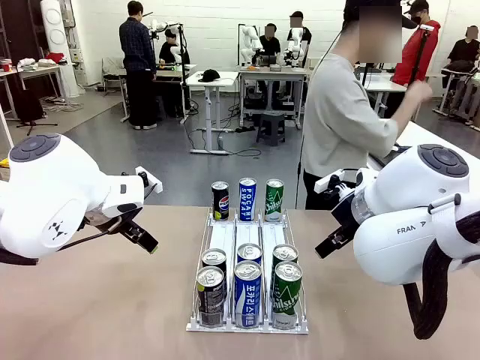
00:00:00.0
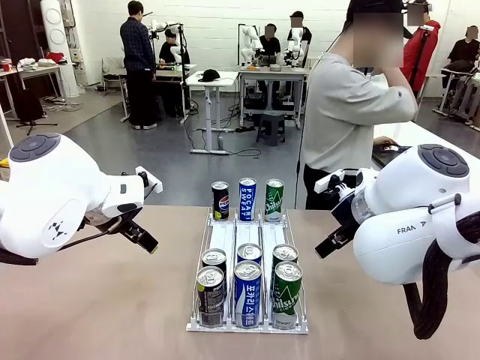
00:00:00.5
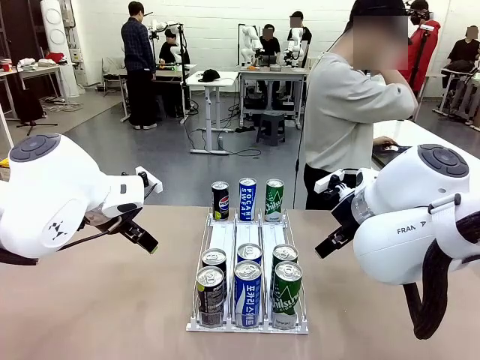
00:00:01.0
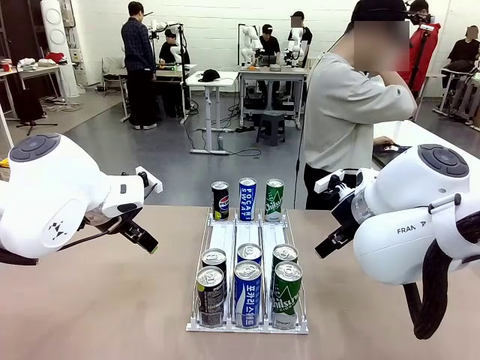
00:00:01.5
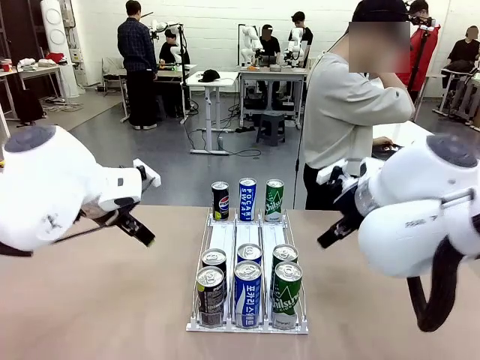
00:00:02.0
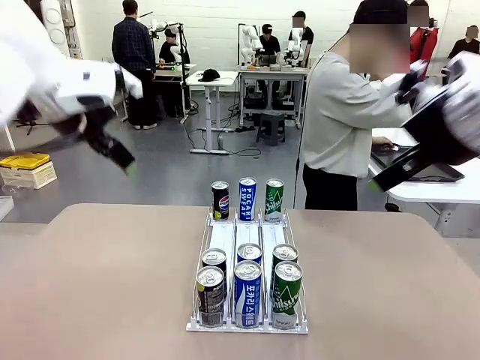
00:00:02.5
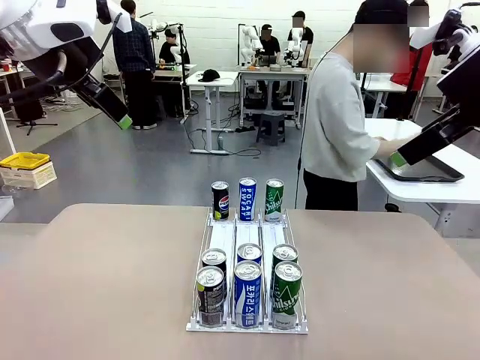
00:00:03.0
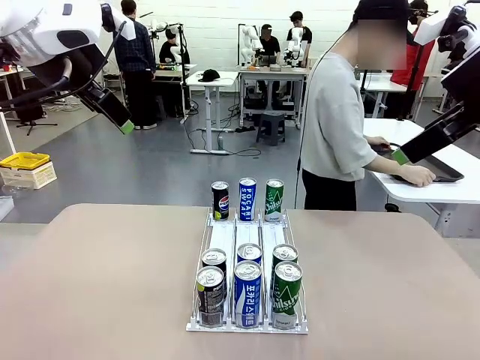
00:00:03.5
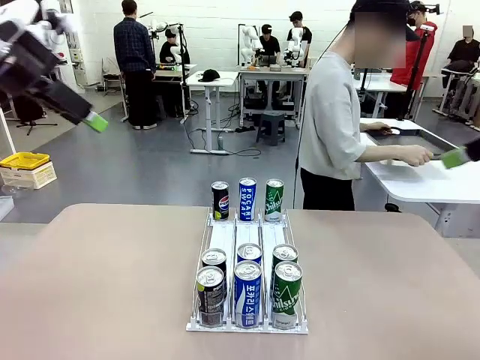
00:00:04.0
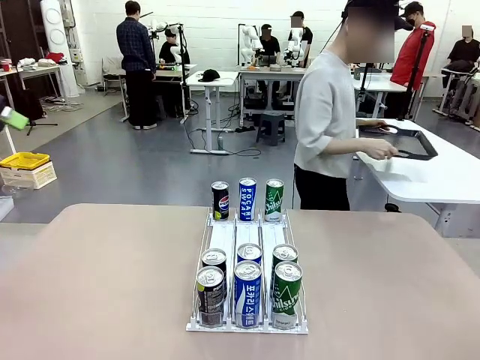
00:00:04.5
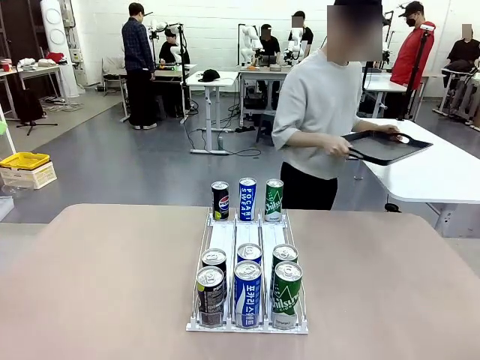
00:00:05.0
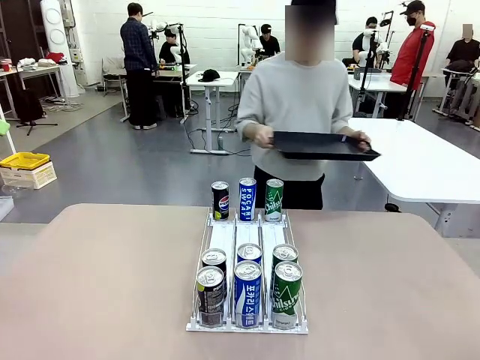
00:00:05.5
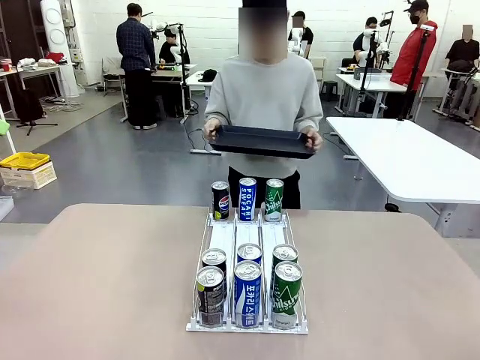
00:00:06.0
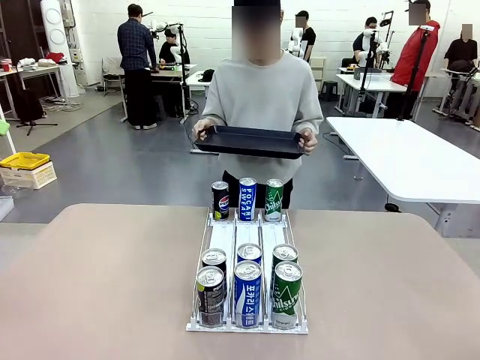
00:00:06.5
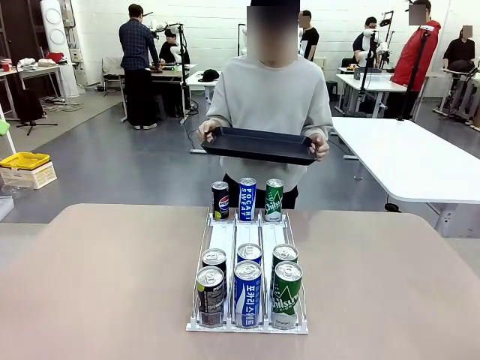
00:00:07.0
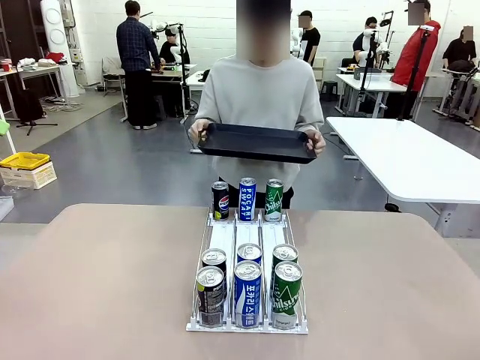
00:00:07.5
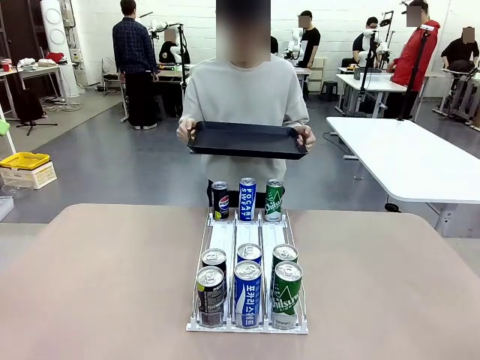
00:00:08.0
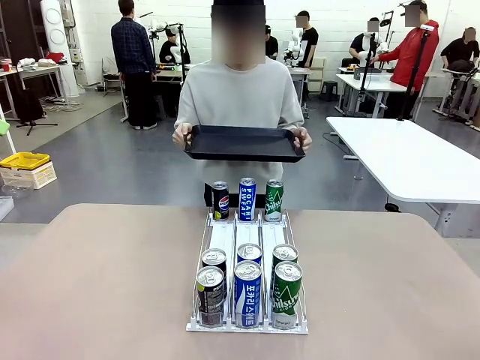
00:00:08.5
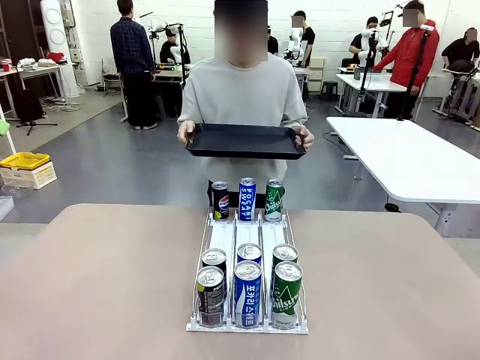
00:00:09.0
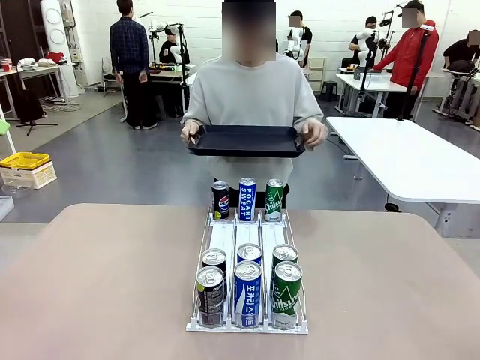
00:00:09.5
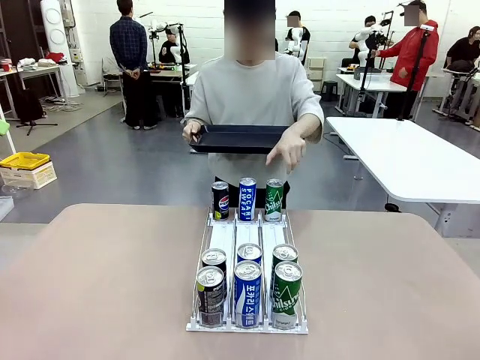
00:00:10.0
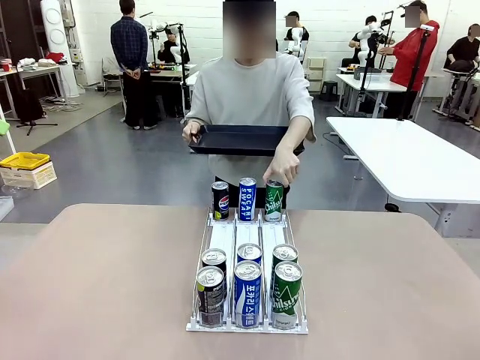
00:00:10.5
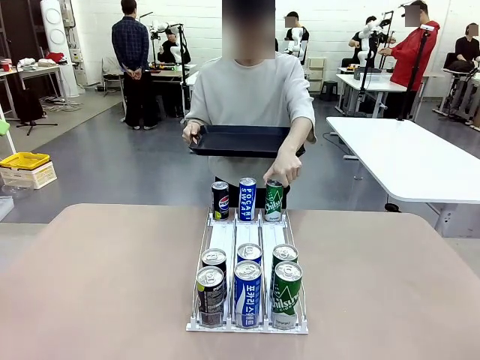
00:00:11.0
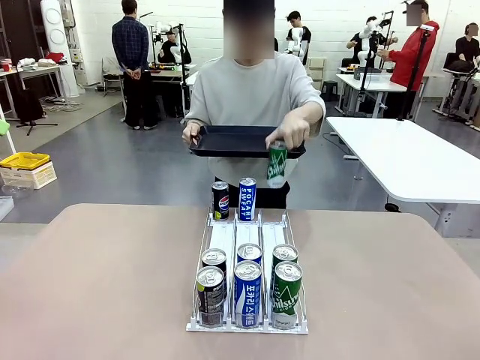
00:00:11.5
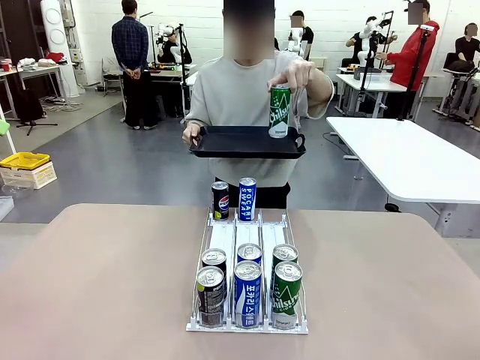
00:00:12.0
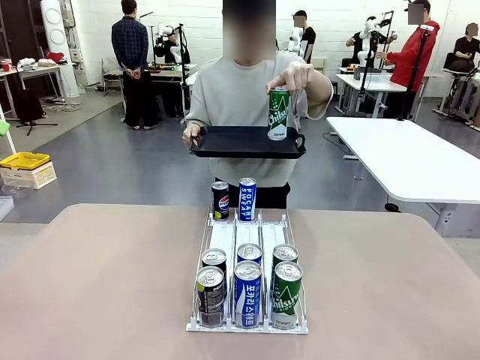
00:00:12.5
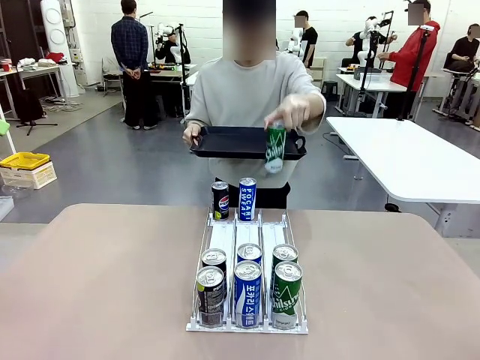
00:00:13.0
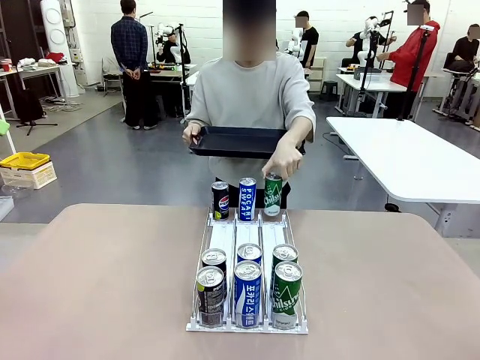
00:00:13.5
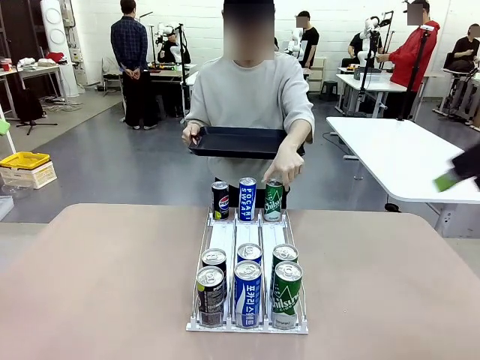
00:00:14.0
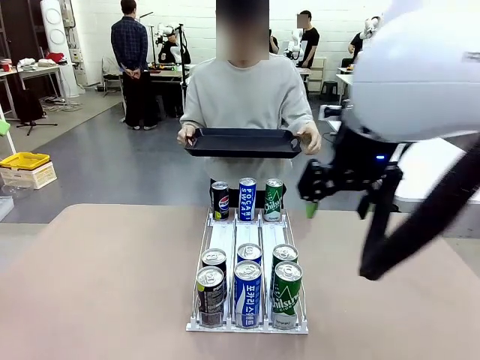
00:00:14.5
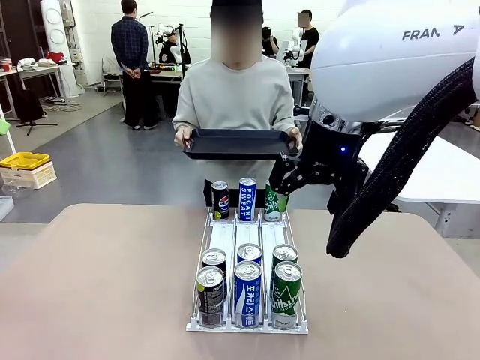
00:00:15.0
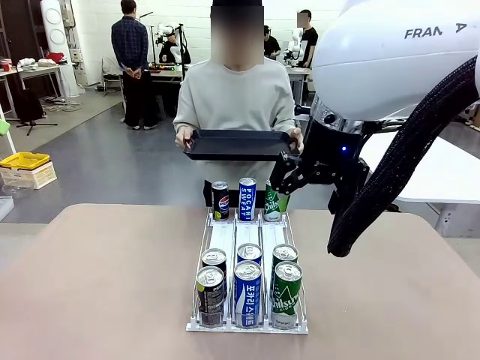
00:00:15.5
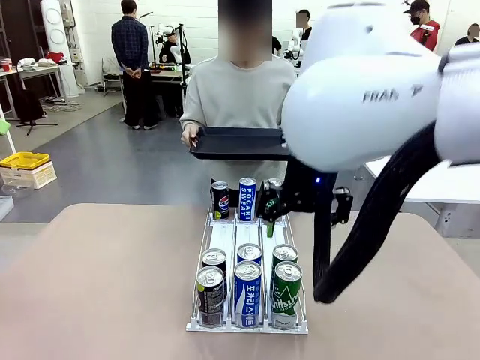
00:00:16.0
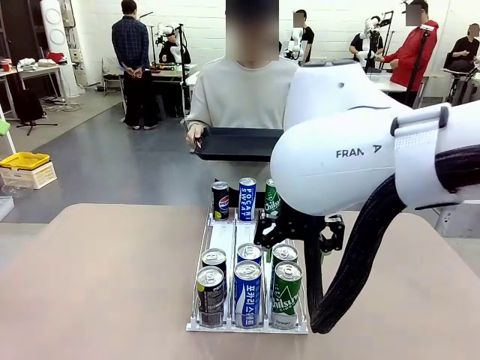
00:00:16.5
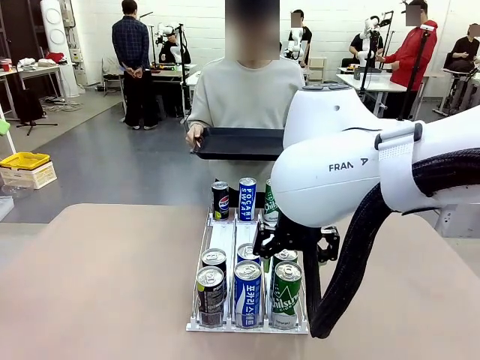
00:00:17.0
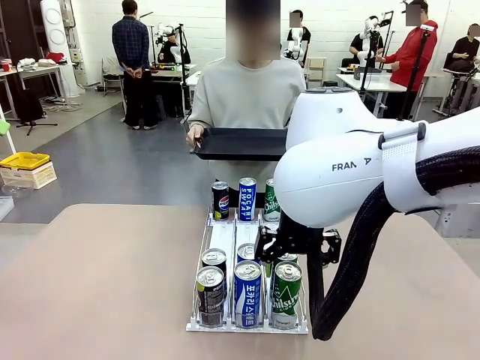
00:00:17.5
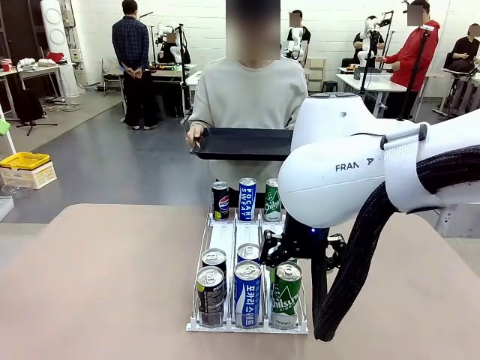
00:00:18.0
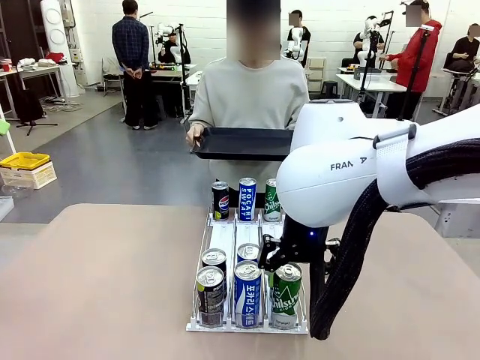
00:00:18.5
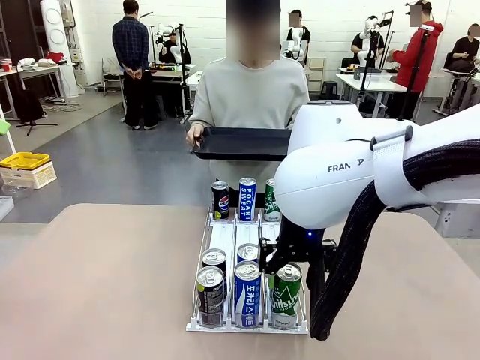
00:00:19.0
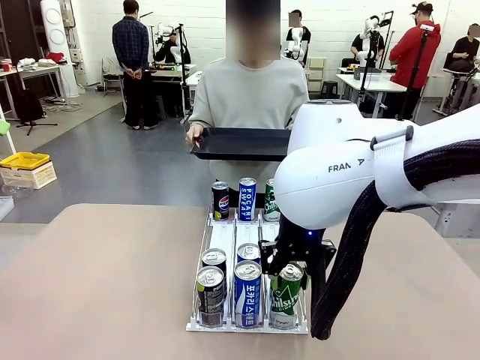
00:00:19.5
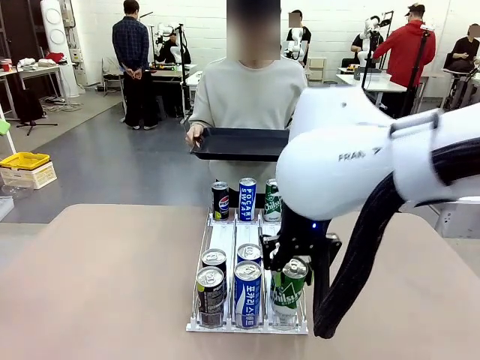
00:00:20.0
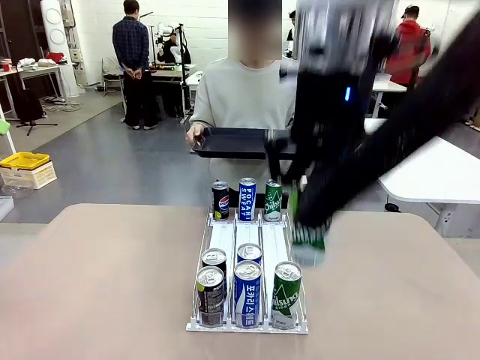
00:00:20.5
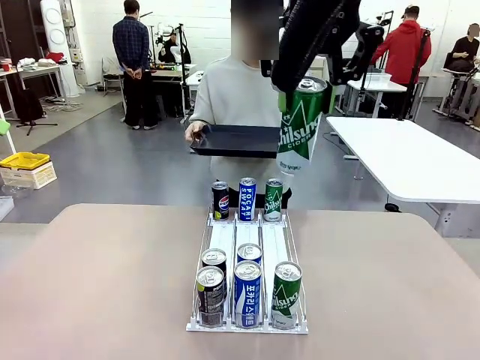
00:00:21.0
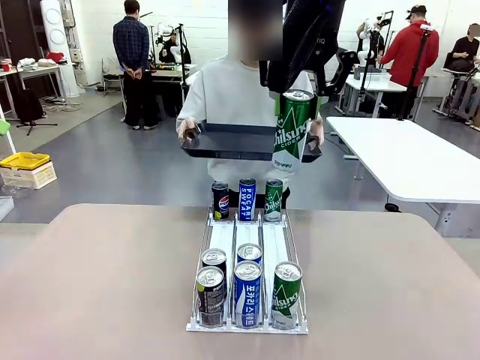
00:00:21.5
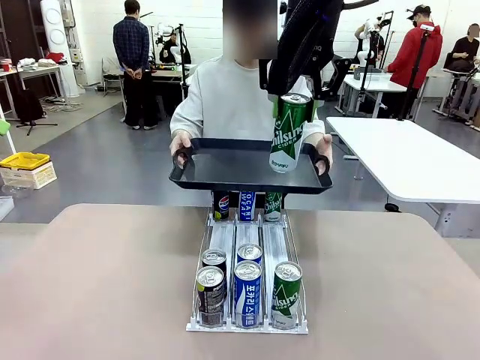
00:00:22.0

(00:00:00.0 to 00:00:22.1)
Task: Retrieve and hand over the desired beverage to the person.
Robot: Pick up a can of the same type that the person held from the Automatic Can Dispenser.
Person: Hold the tray and position yourself in front of the robot table. Pick up one can from the bottom area of the table and puts it back in its original place. Push the tray toward the robot.
